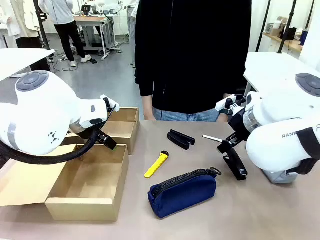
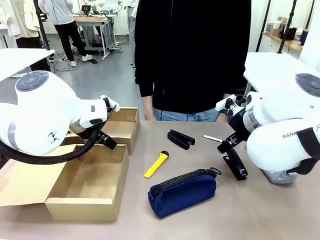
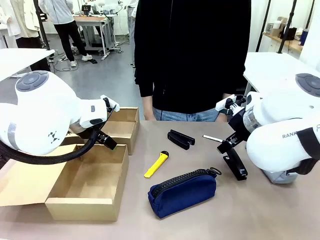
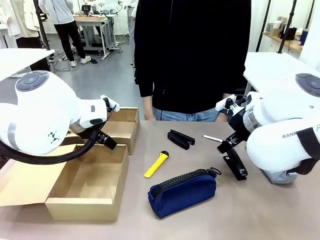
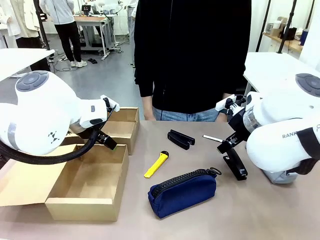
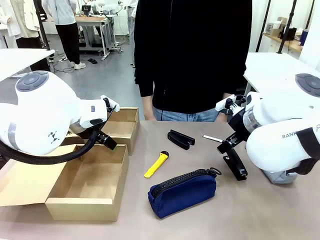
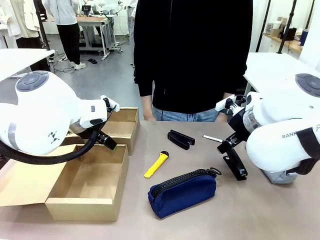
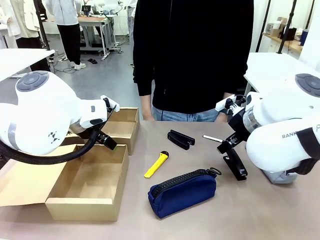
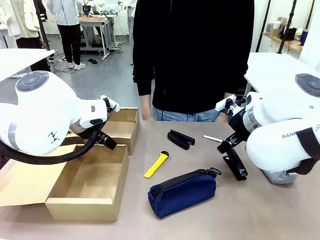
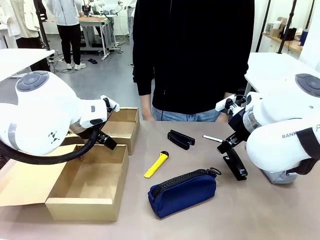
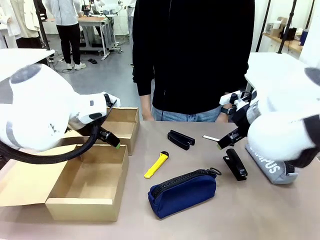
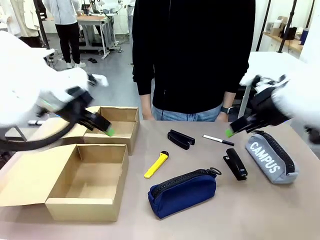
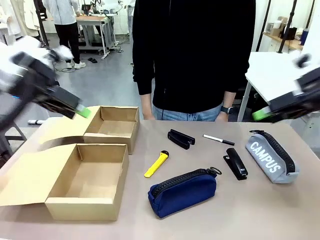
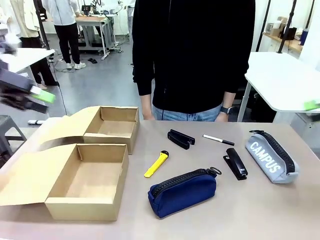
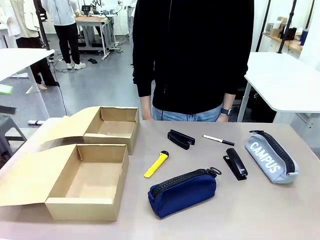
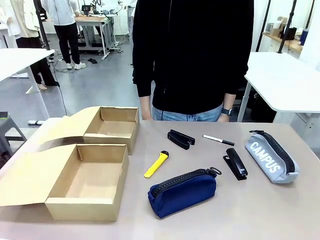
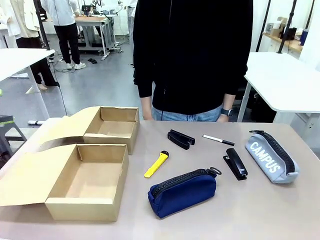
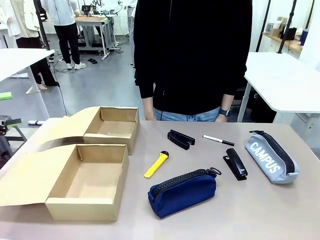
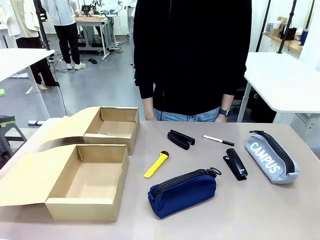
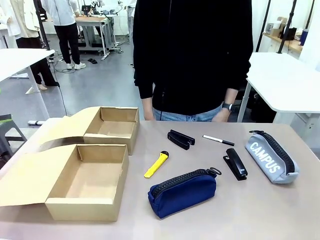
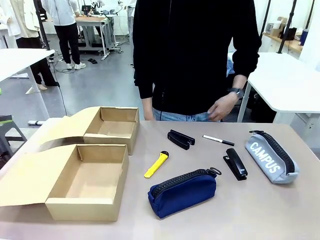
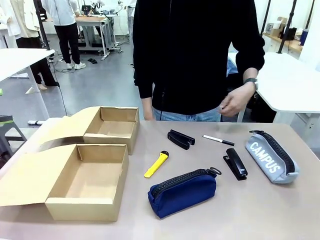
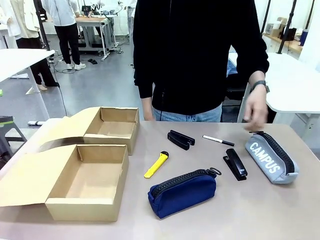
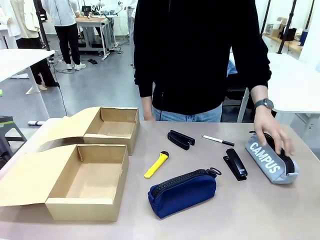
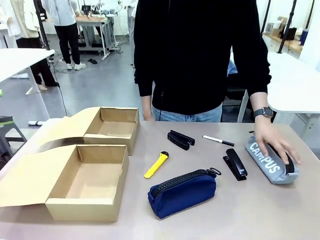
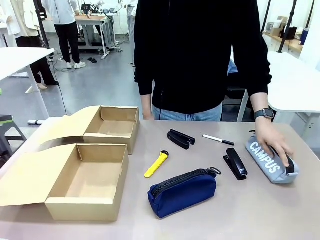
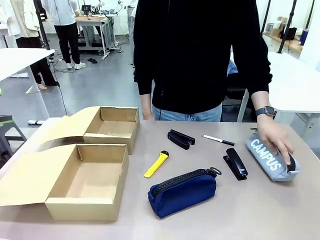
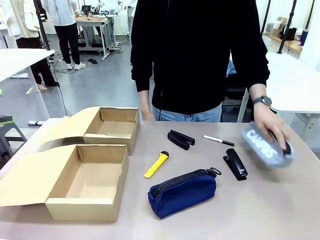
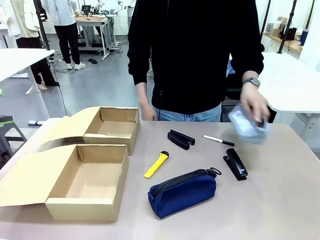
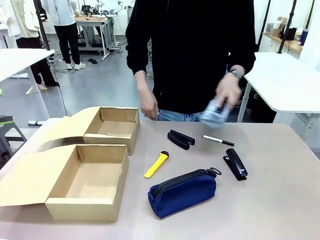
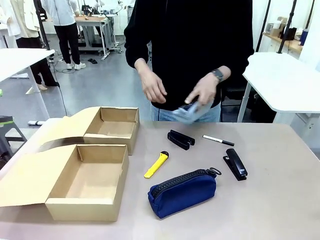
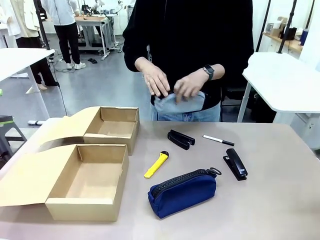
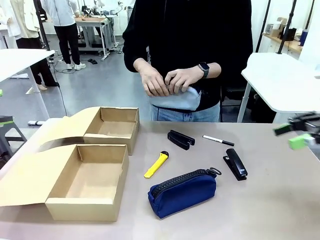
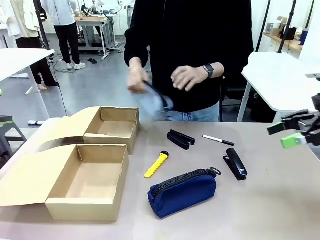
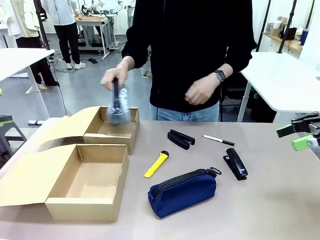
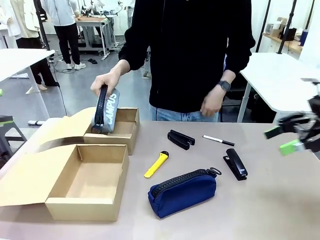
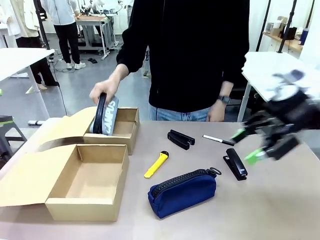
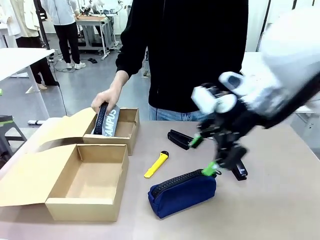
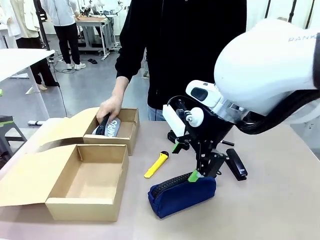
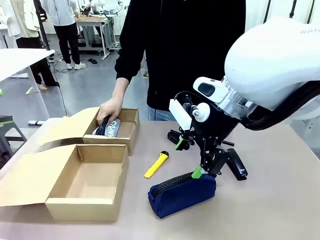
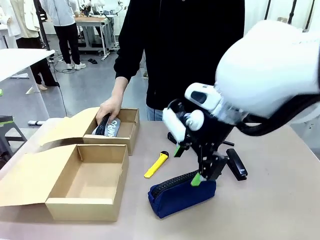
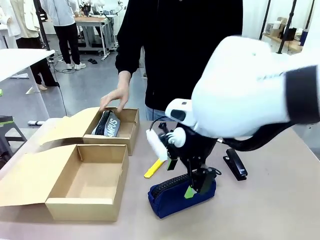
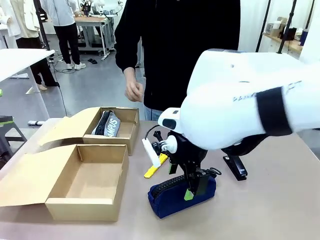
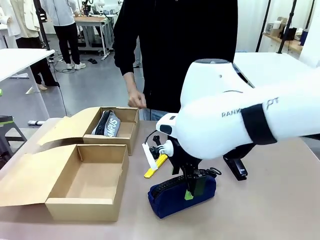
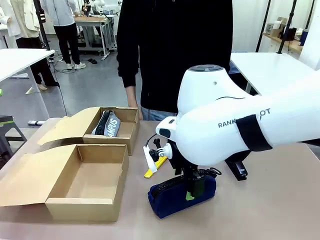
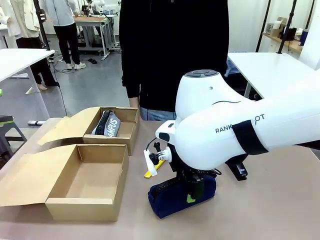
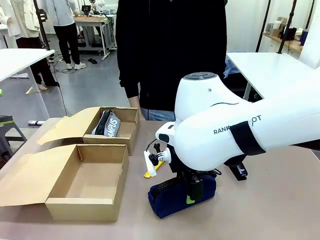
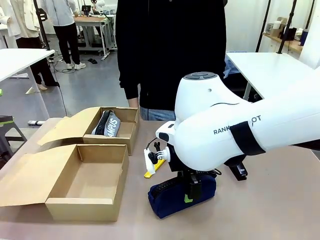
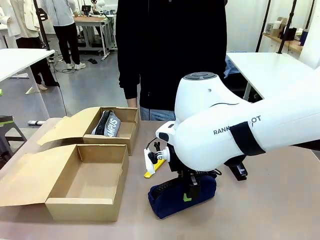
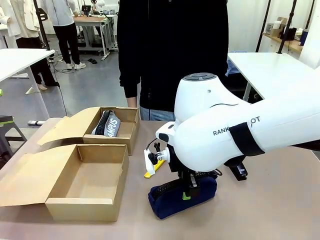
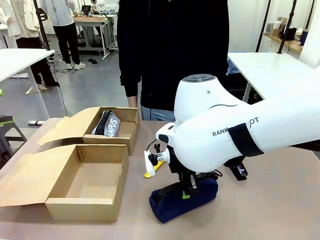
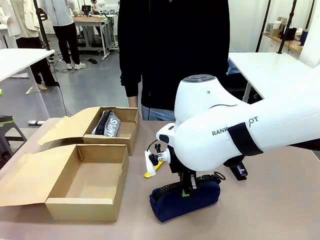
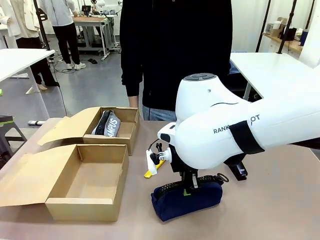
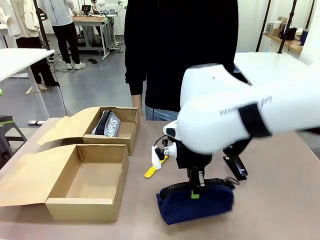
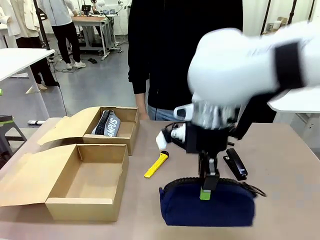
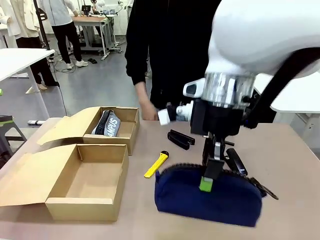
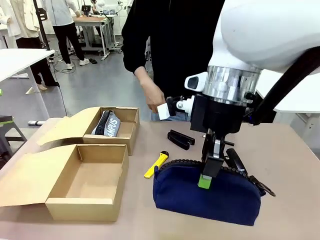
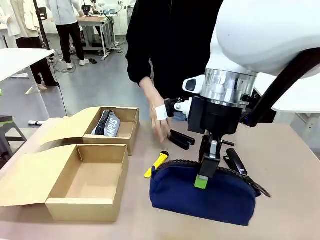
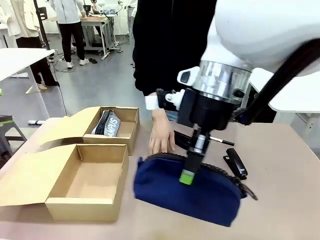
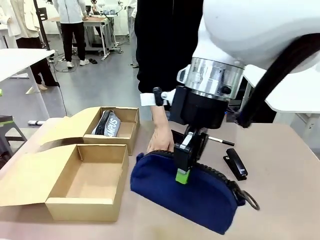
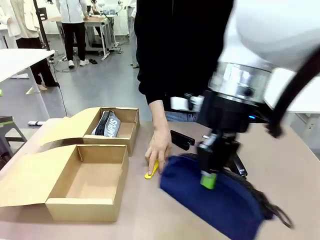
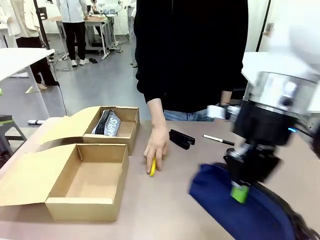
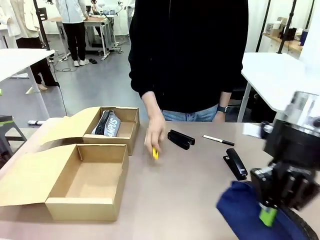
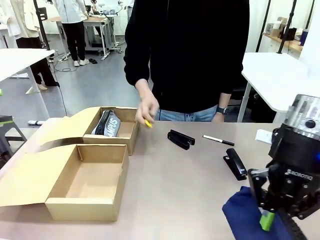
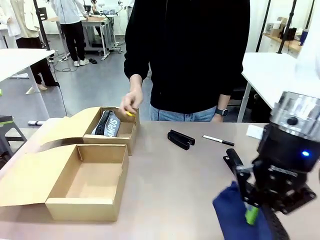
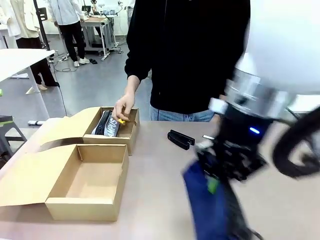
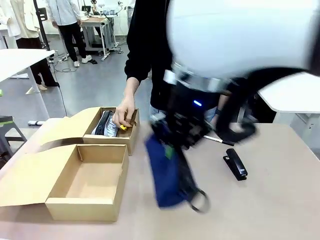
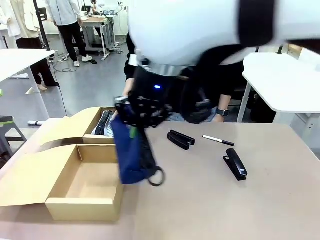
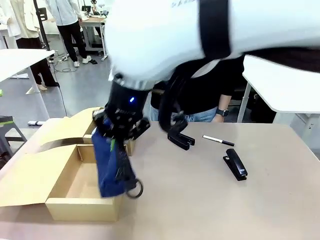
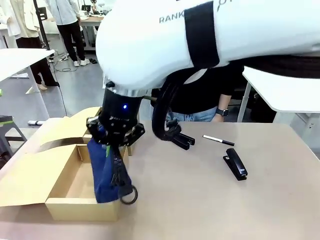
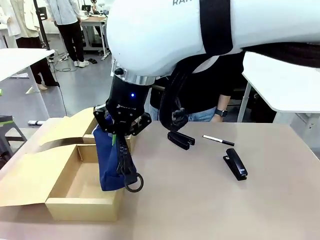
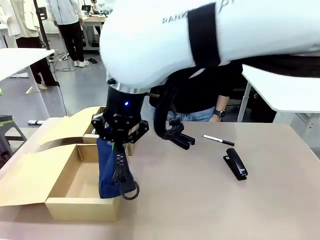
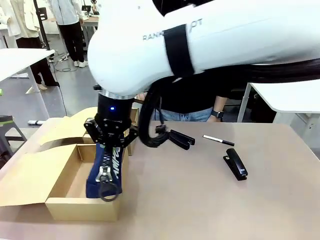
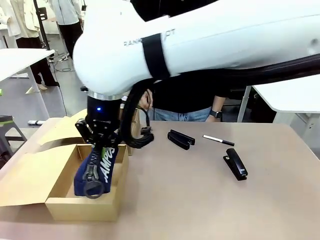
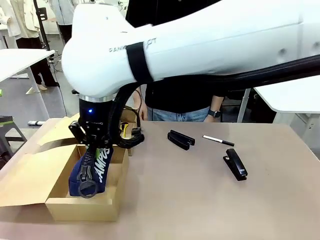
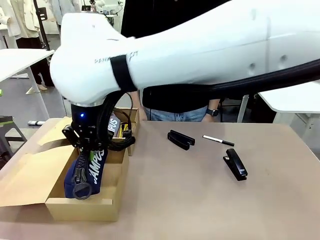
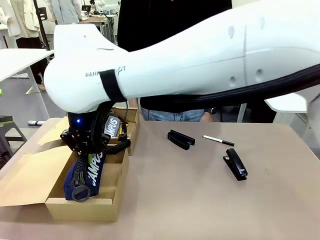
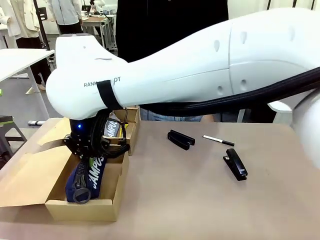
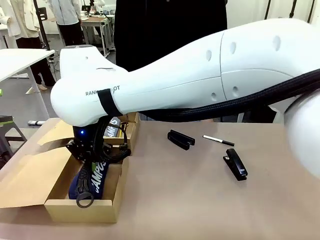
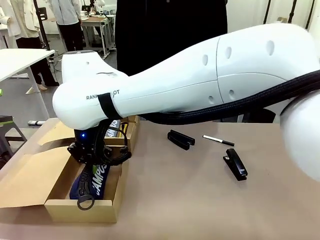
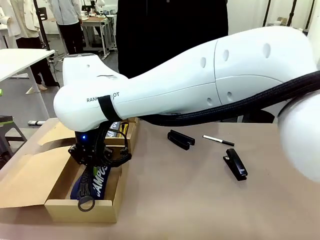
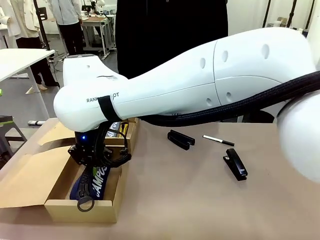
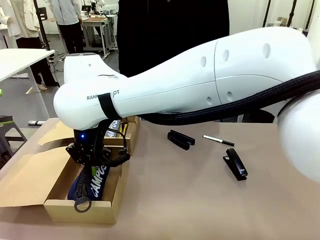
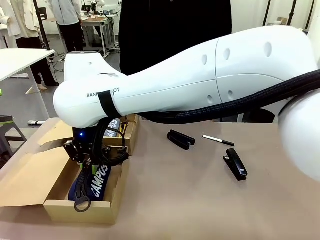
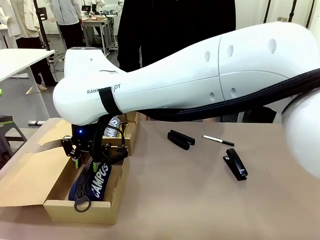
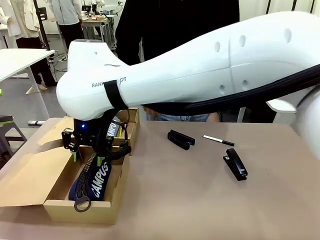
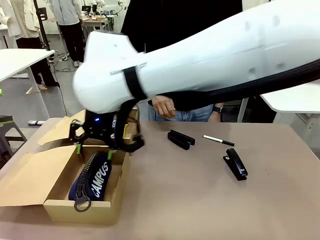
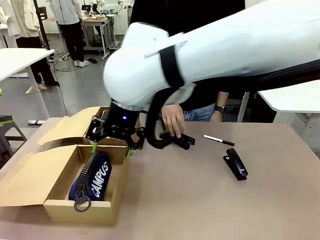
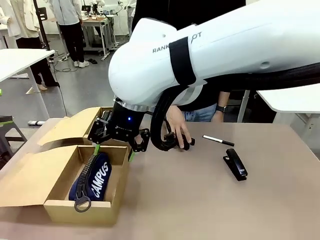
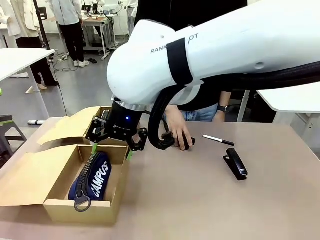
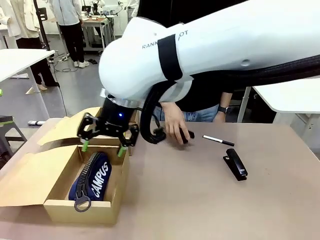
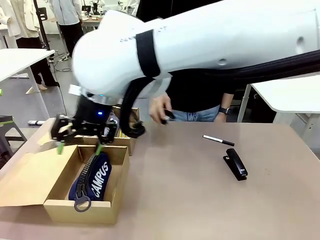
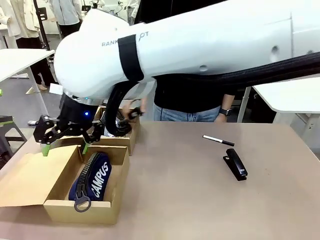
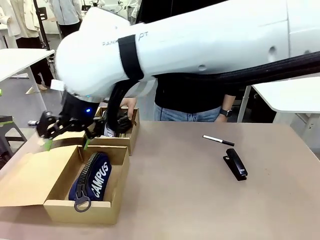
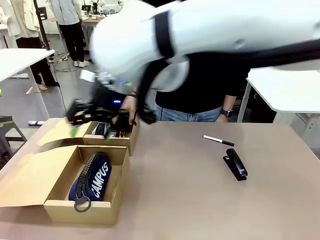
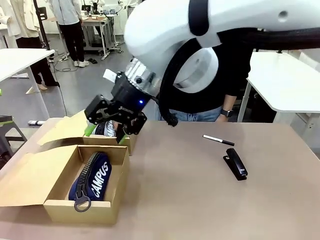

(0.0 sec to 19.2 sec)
Task: Place items inside the box.
Robot: Pick up a Pencil pouch or Stapler and place it inside the Mailer Box closest to the robot.
Person: Pick up an object on the table and put it in the box.
